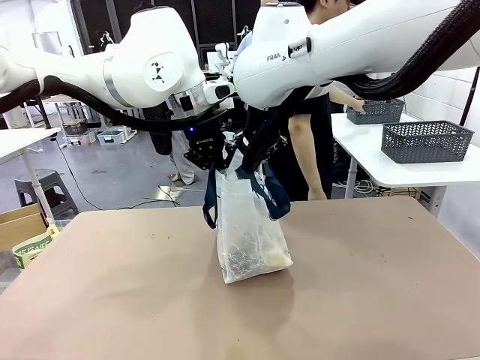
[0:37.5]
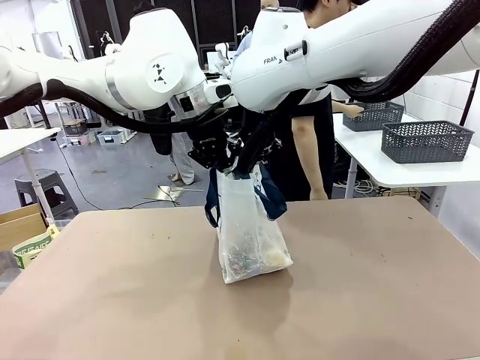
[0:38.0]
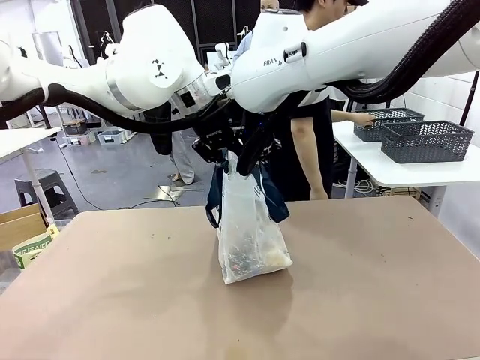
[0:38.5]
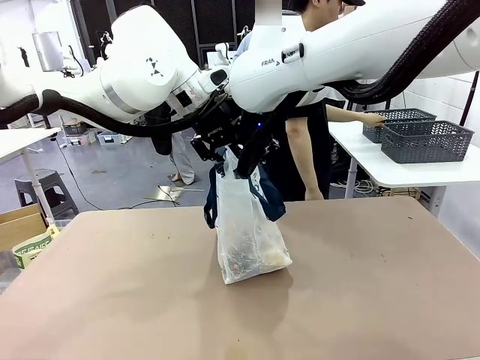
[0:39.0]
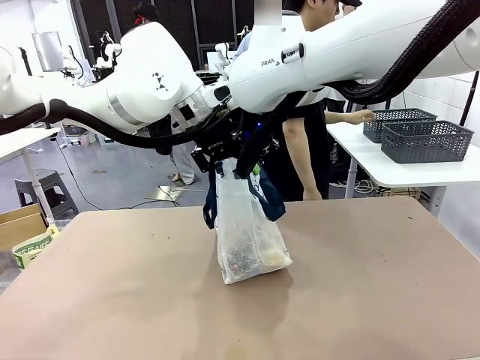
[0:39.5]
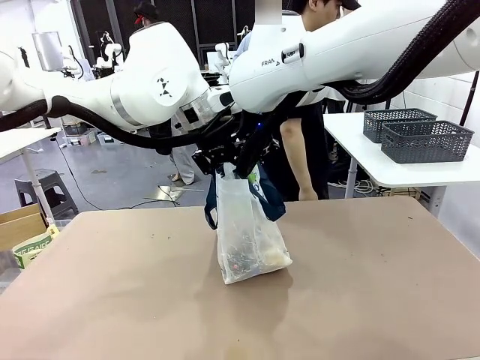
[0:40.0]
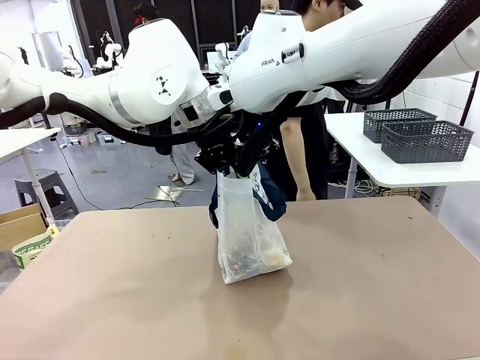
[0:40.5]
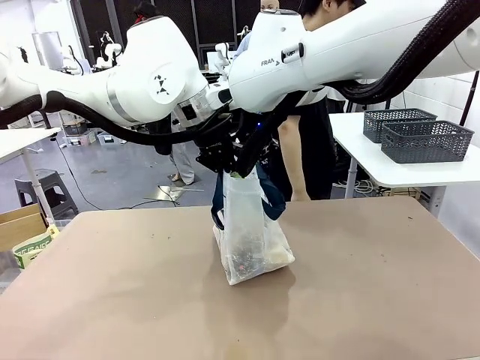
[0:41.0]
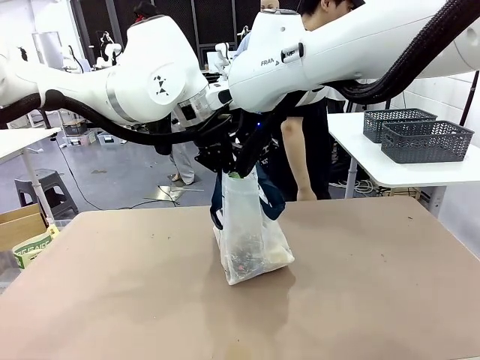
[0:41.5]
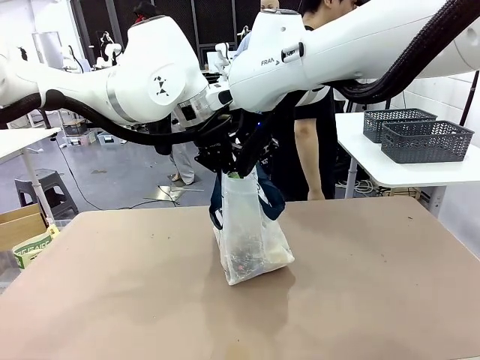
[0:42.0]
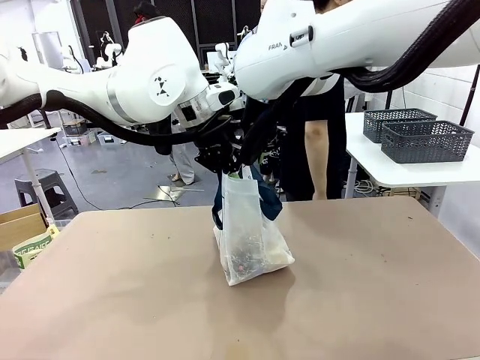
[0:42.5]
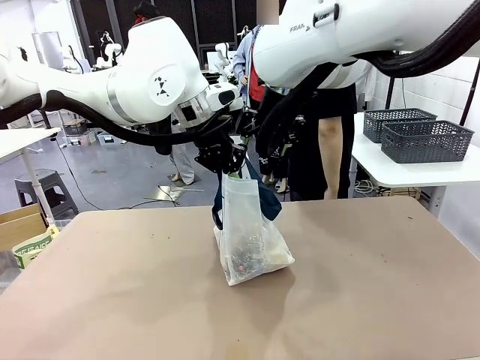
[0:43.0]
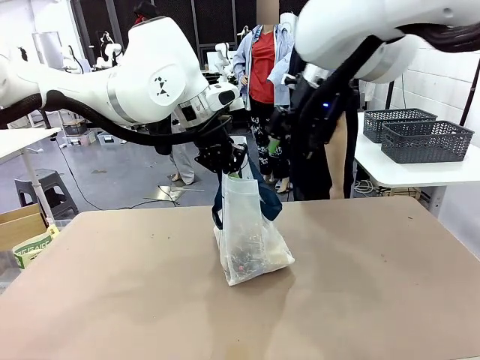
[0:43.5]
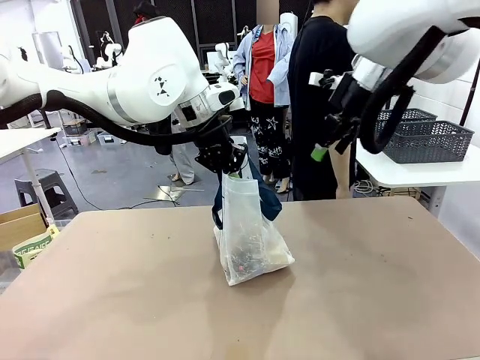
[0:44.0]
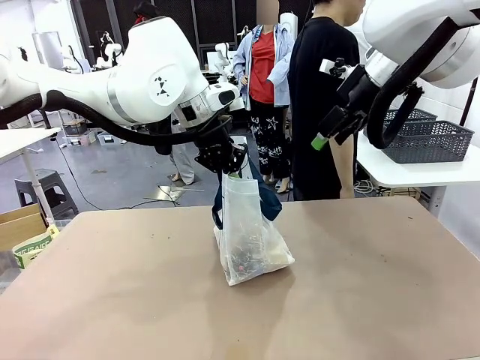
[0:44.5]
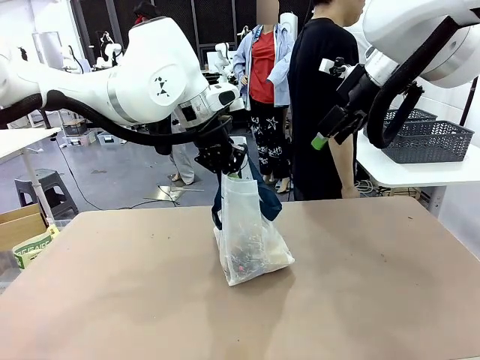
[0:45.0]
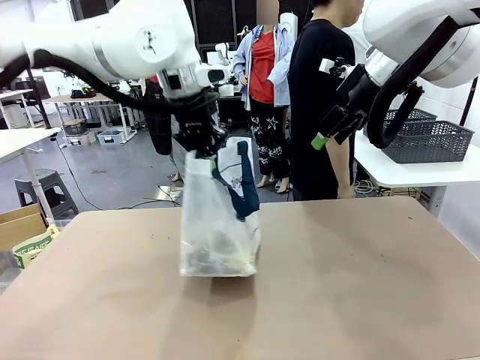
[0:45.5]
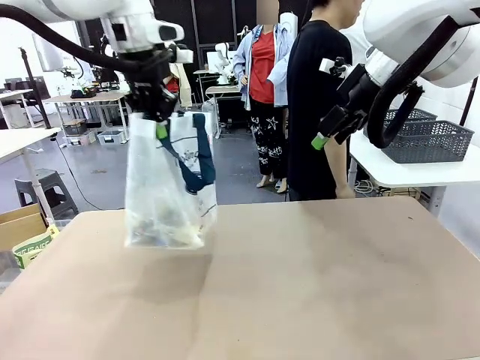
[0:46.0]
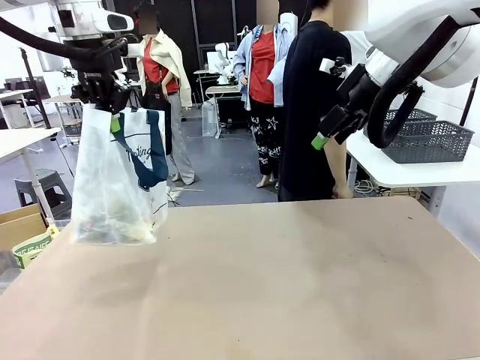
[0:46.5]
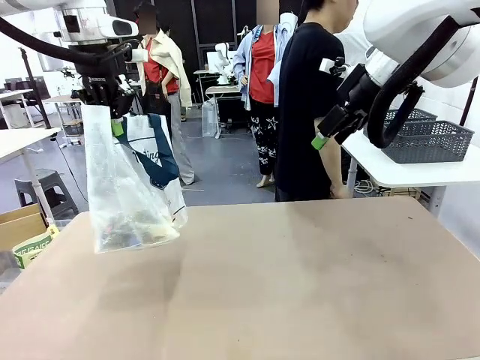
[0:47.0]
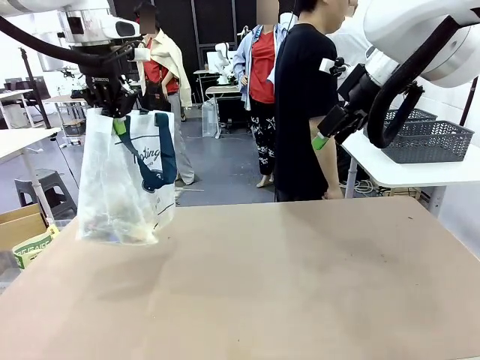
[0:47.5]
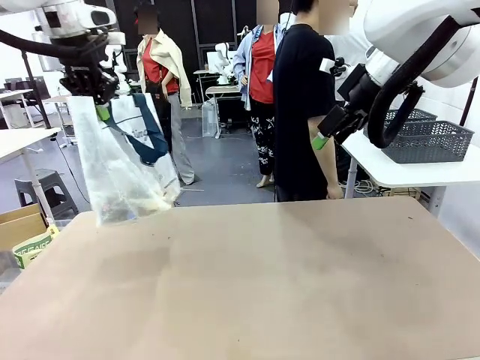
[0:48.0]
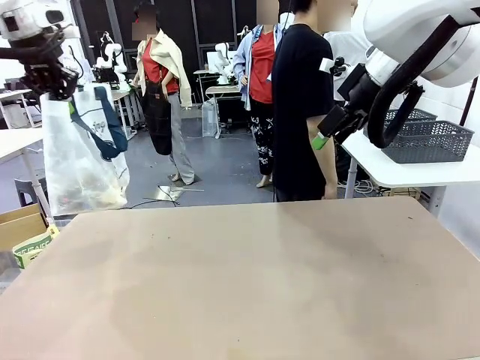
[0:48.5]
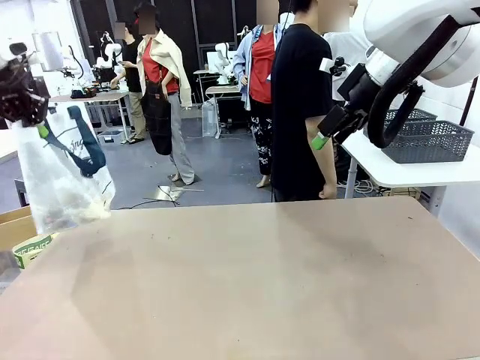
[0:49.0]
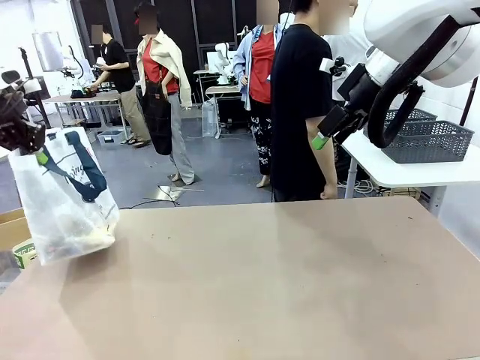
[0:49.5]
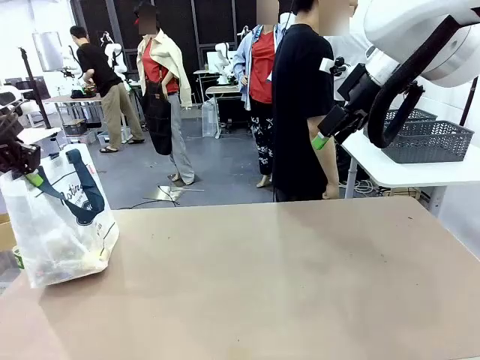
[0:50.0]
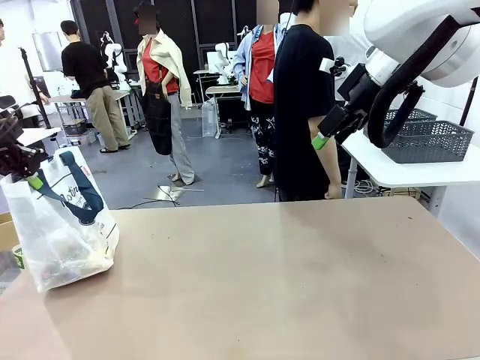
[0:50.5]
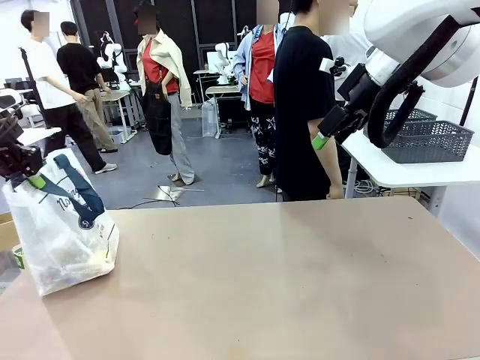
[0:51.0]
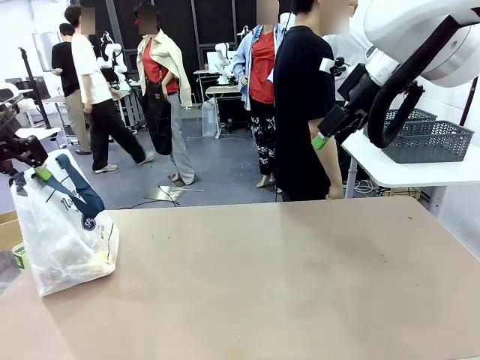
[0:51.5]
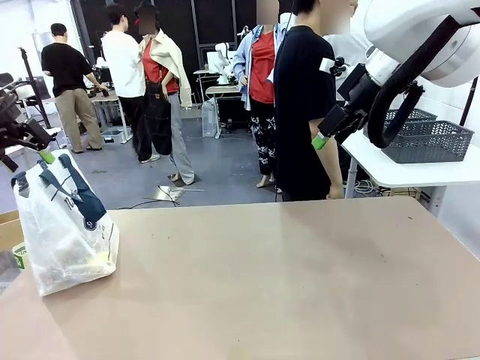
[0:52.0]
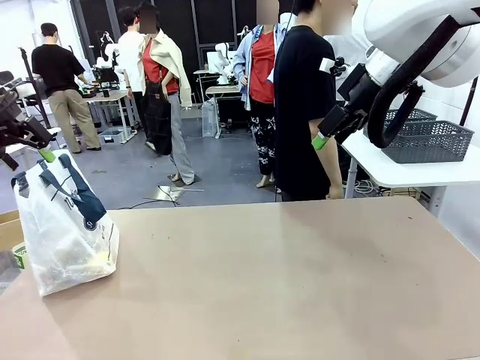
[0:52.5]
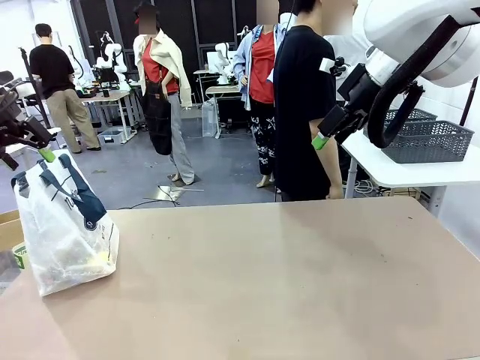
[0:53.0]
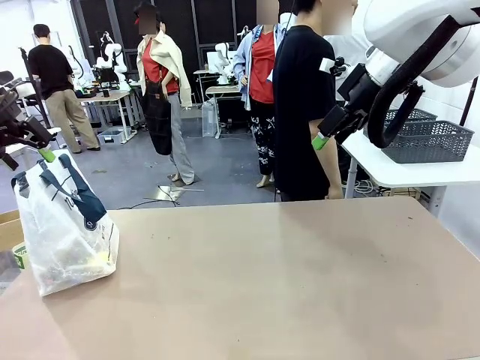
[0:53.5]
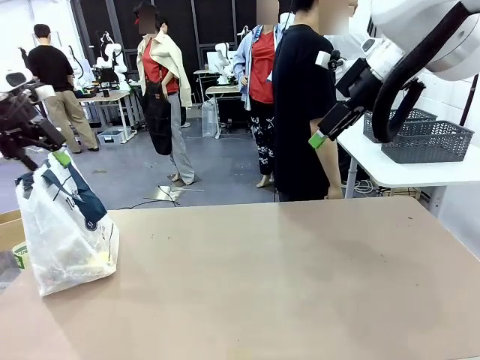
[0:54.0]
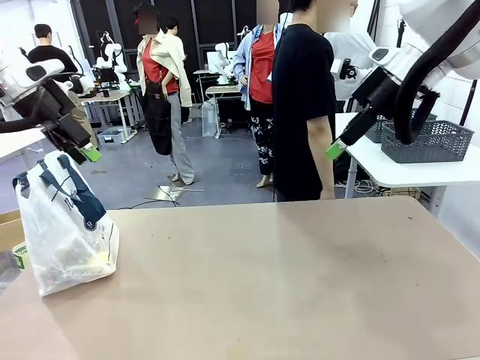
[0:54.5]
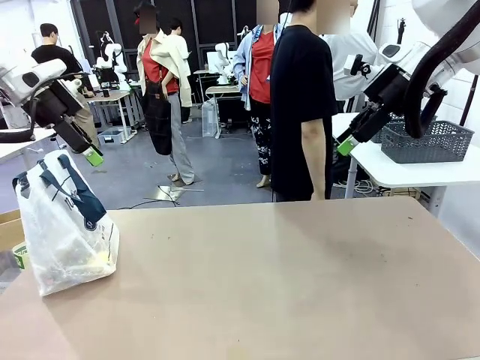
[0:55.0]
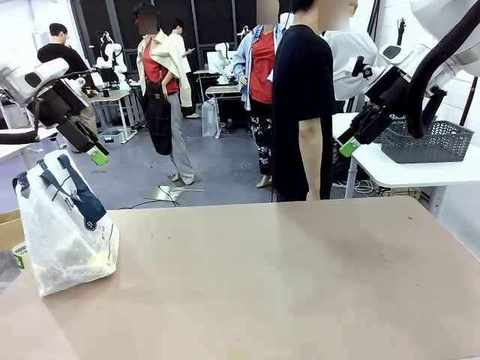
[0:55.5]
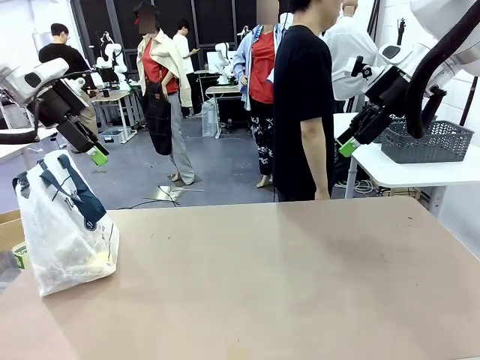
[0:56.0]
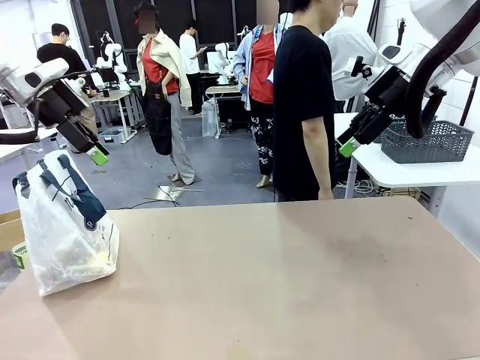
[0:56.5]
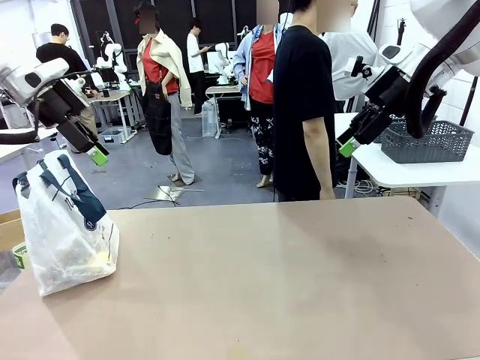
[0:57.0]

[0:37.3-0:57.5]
Task: Transfer purchased items from the store into the shopping bag.
Robot: Move the Reusable shopping bag to the right side of the table.
Person: Move the basket on the left to the middle of the person's table.

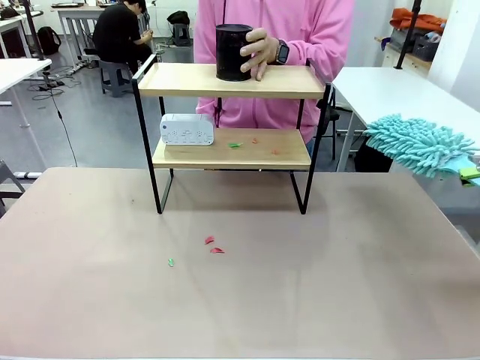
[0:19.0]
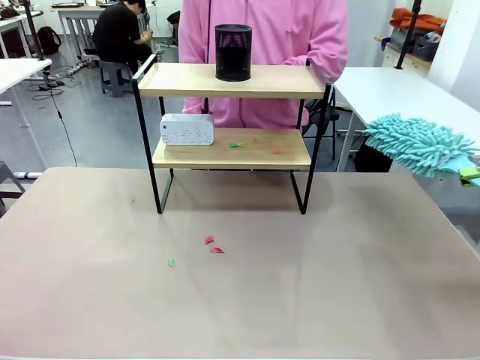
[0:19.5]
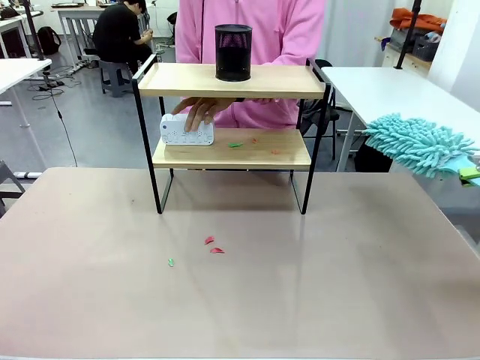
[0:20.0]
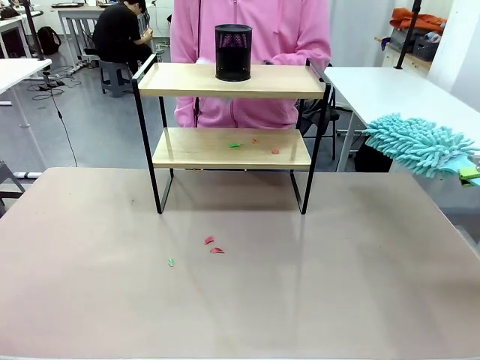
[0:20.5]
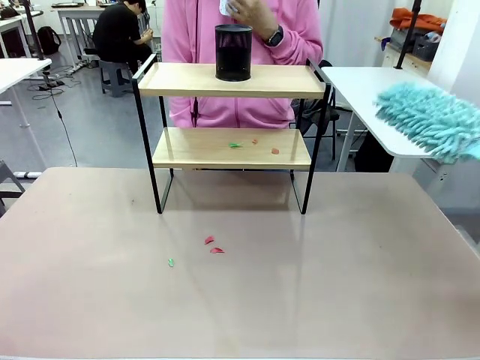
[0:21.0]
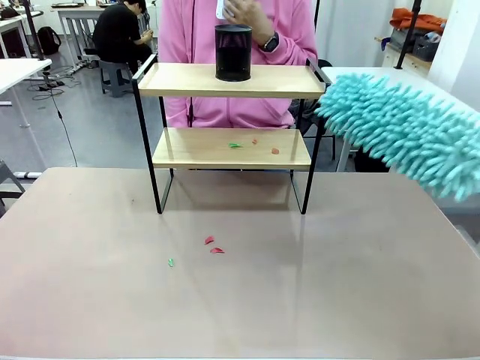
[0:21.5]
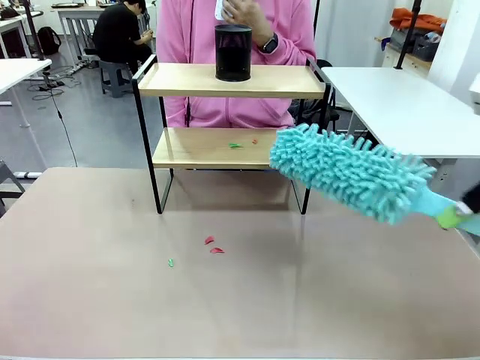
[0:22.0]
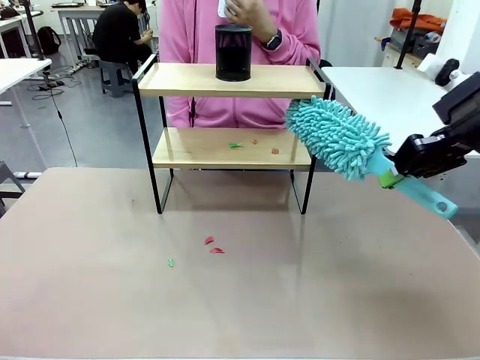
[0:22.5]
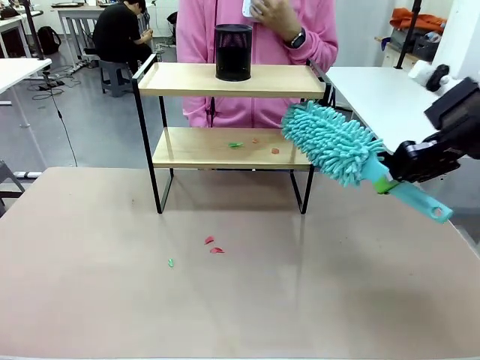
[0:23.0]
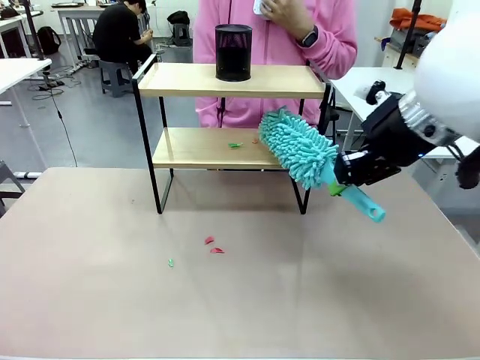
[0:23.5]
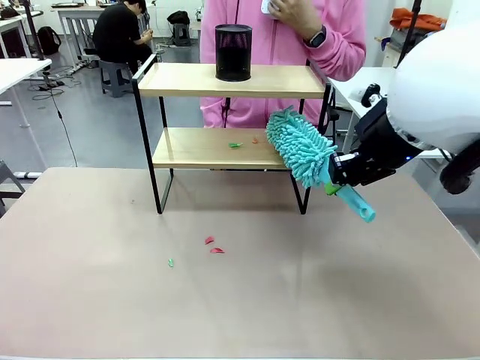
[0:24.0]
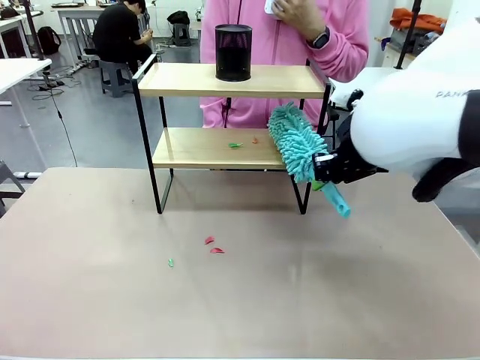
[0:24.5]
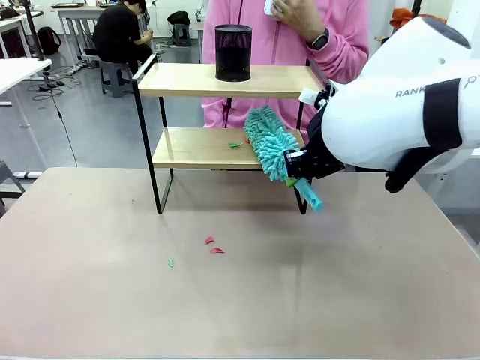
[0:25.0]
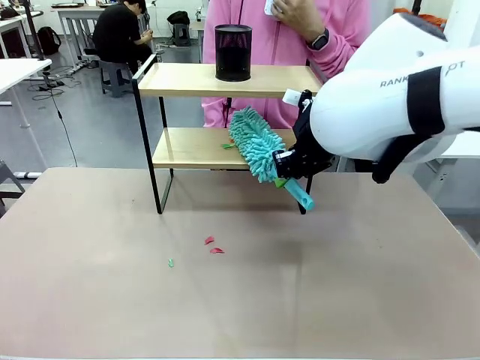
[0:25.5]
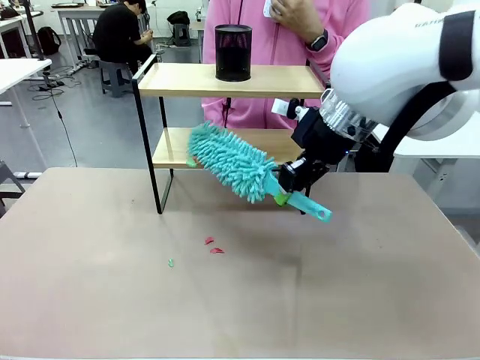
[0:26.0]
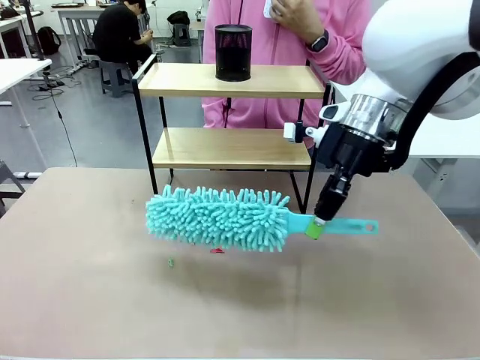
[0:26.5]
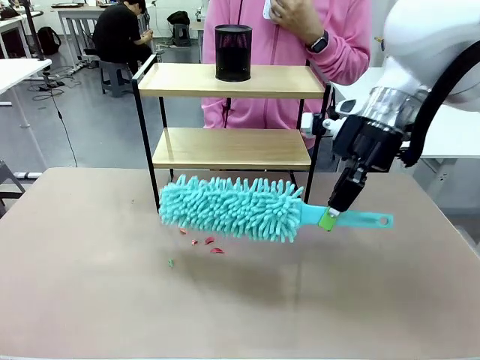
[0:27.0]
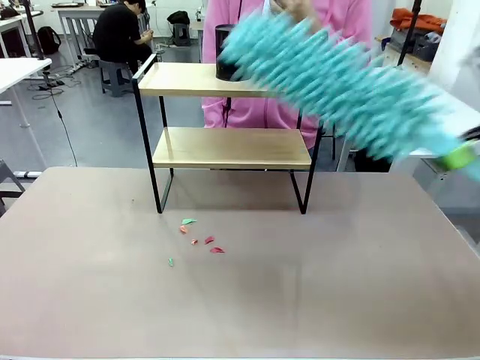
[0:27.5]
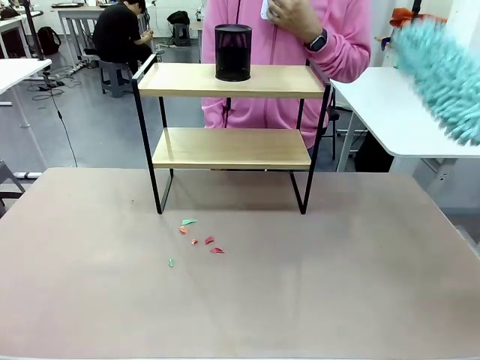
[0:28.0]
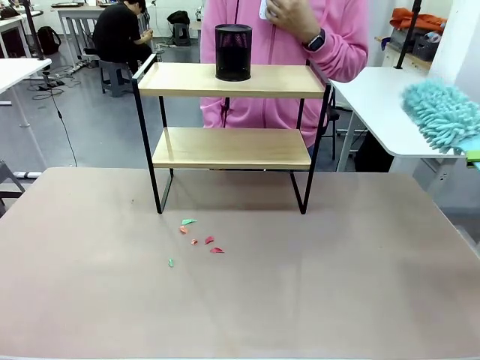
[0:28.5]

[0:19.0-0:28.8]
Task: Clean the shelf.
Robot: Clean the remaining tier of the Shelf with the Duster once objects are removed.
